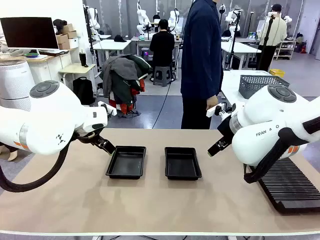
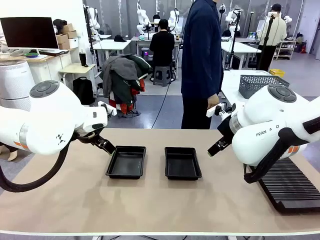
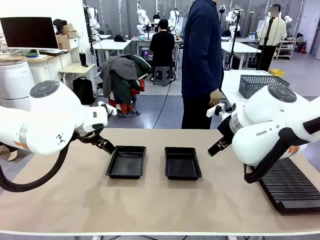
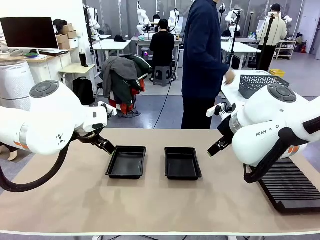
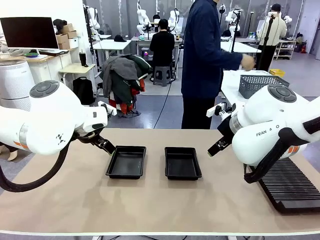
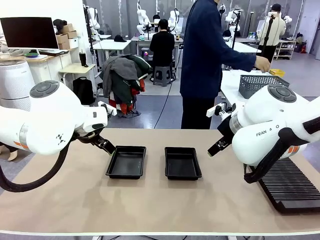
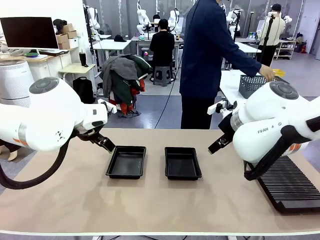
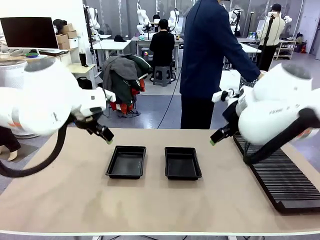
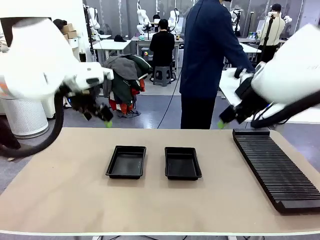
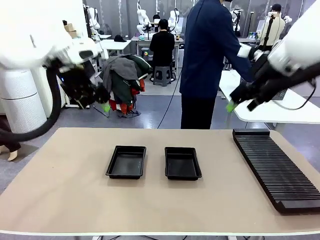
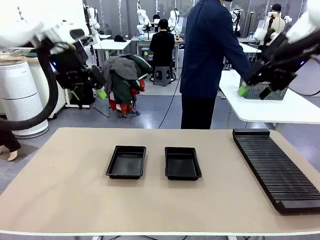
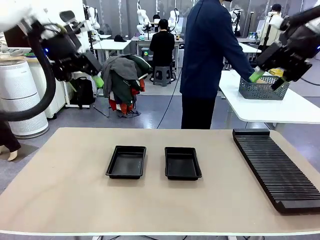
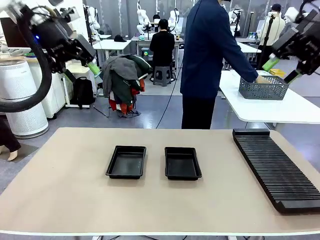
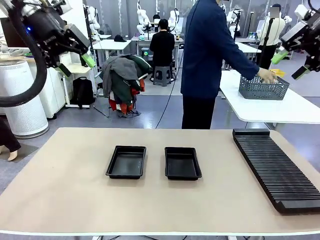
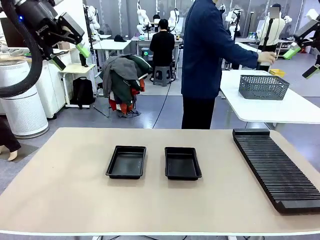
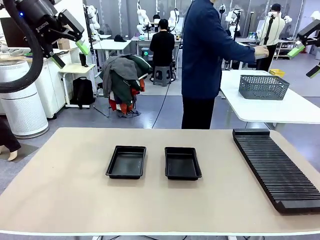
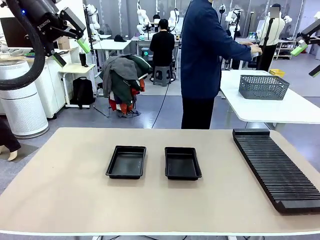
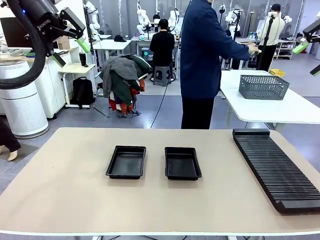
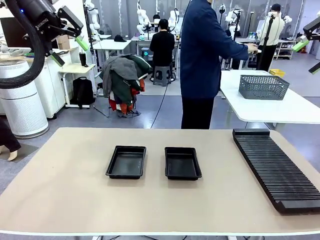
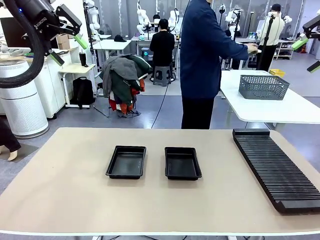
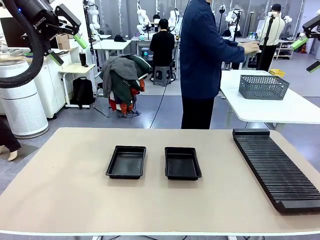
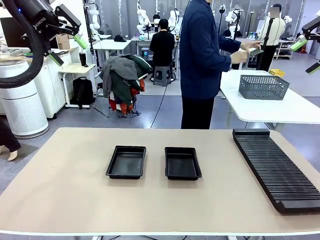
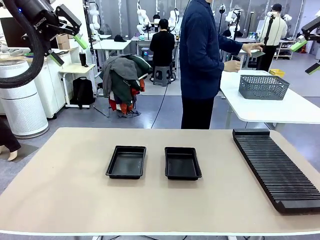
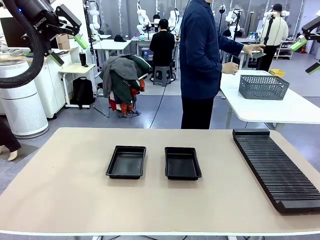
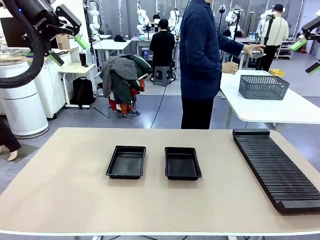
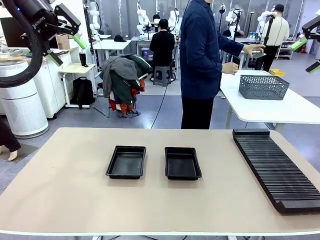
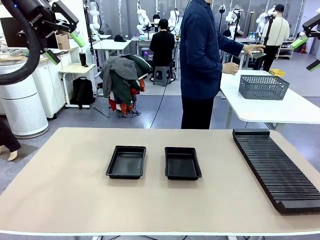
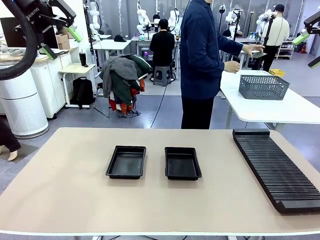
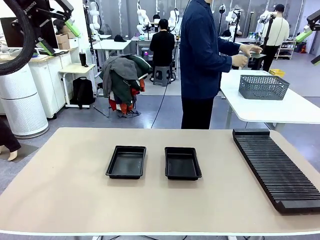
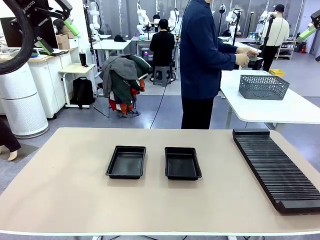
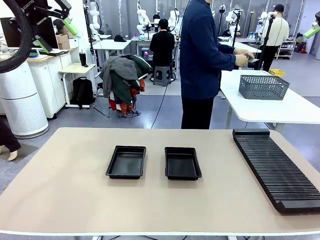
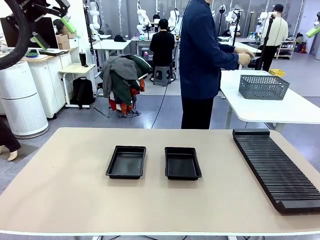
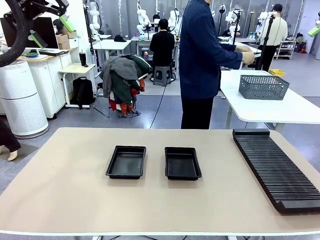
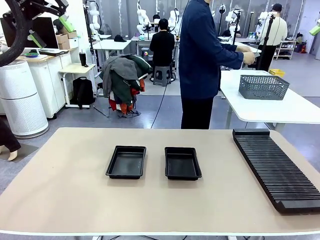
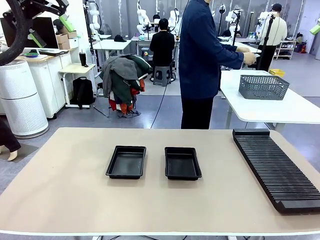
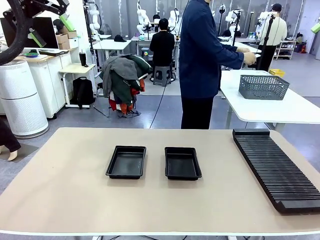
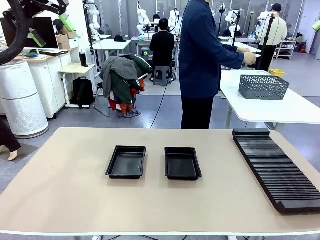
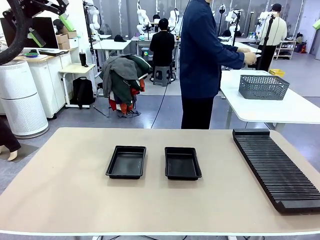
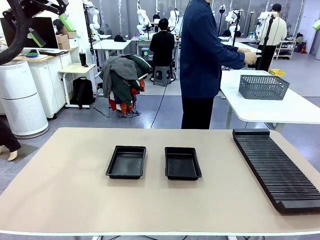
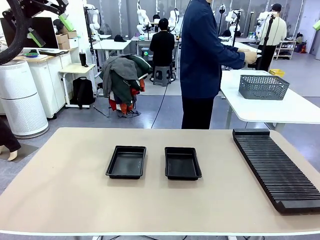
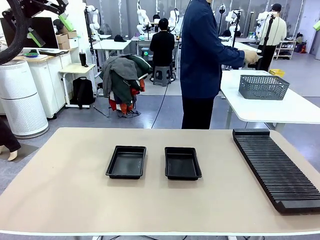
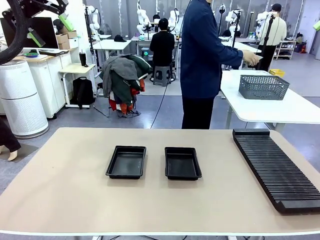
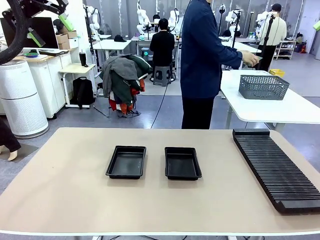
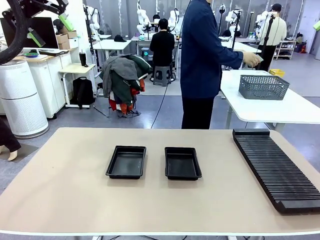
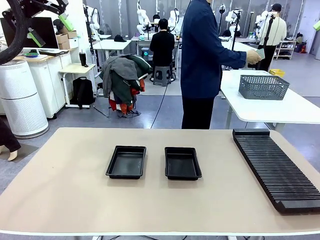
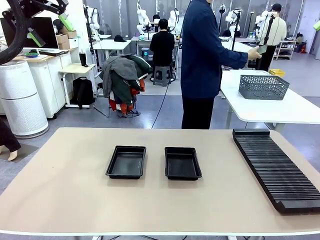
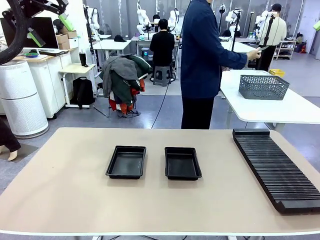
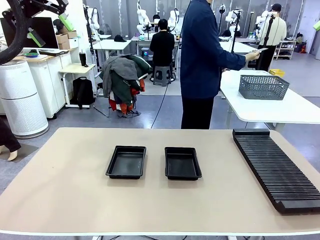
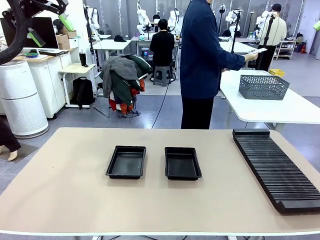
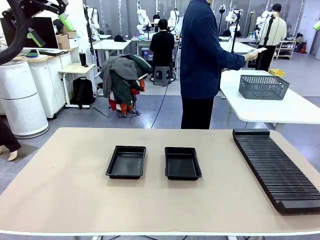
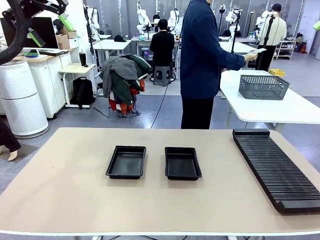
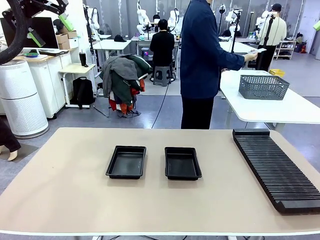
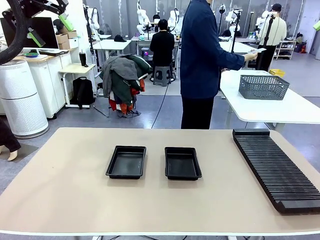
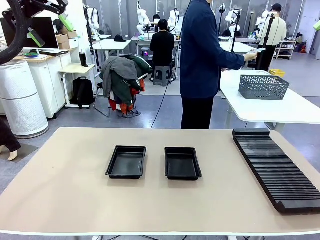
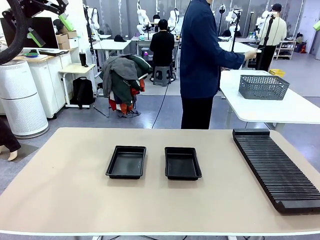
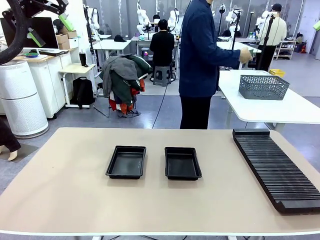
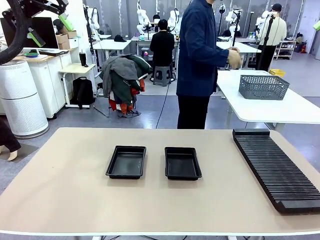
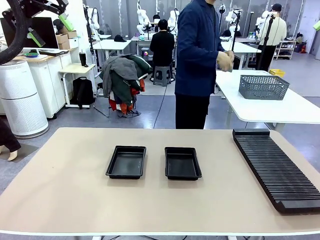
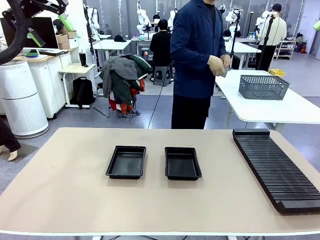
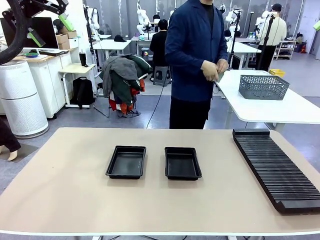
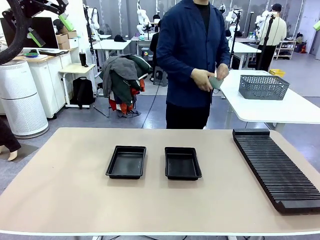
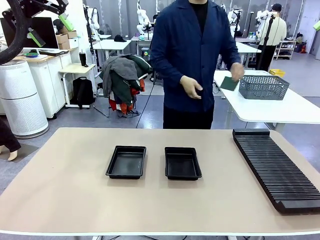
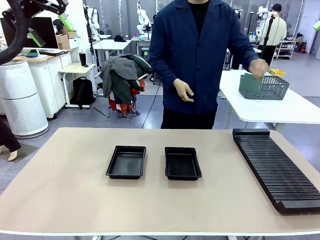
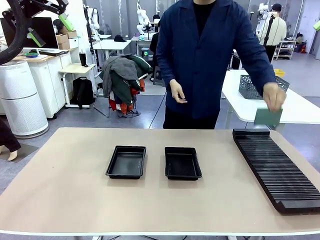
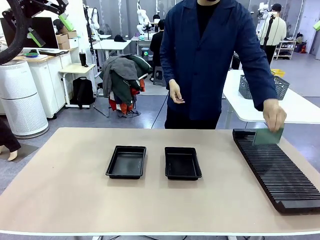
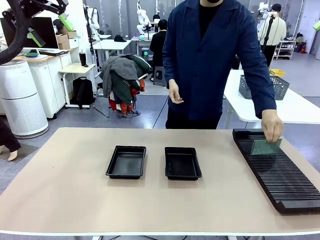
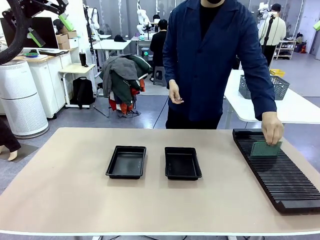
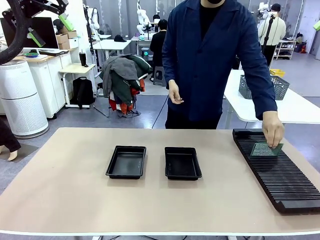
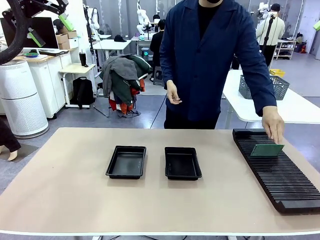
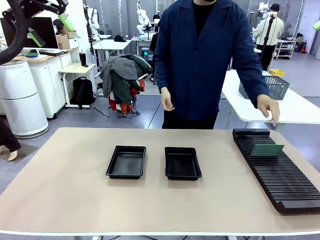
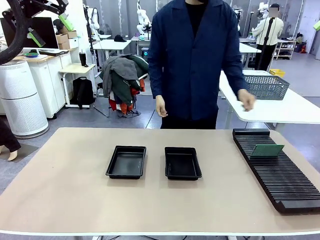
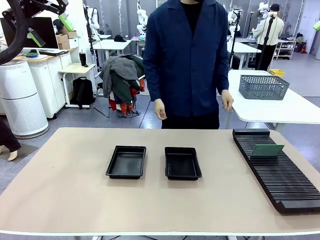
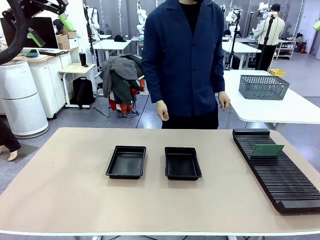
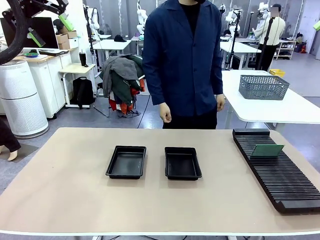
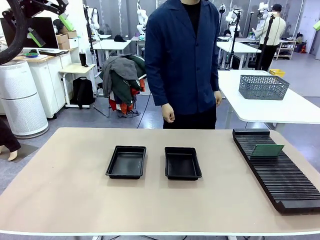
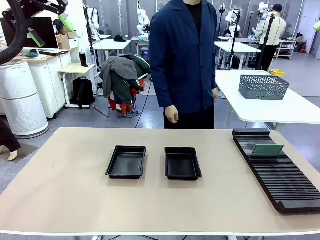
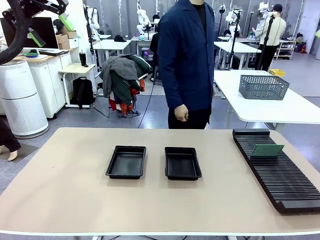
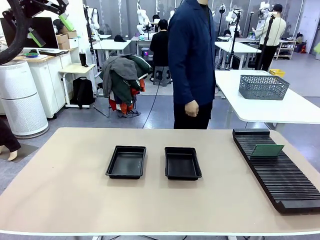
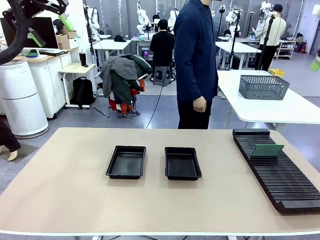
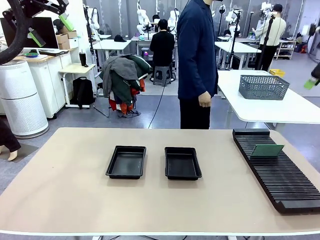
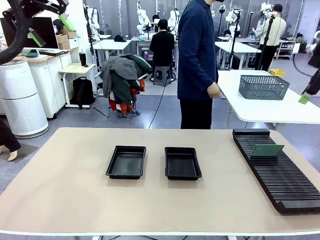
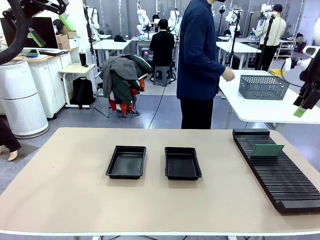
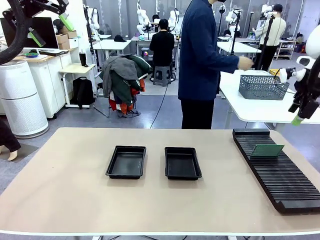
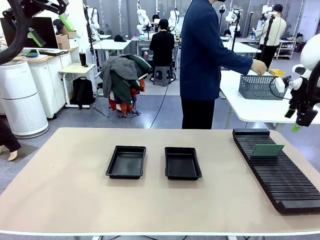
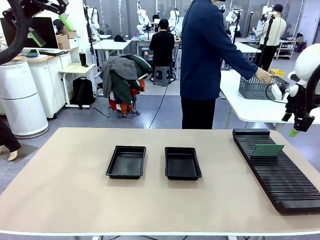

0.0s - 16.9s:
Task: Inspect and transfer BCBs to ESD trays.
Robot: Pick up the Blank PCB from the PCB Rack and place it in the left ESD tray.
